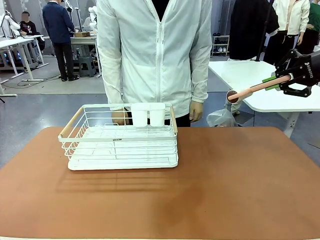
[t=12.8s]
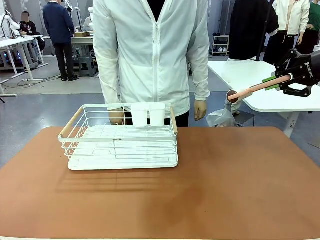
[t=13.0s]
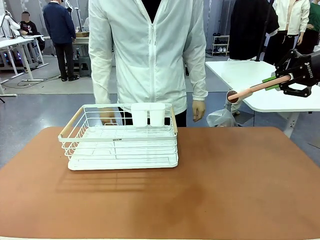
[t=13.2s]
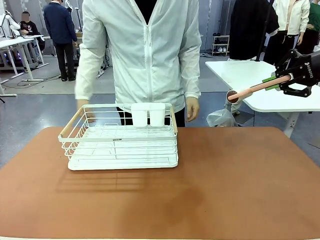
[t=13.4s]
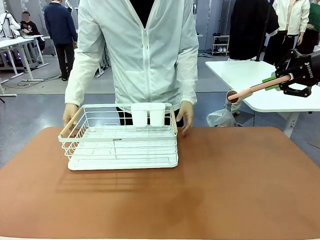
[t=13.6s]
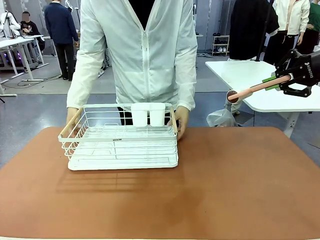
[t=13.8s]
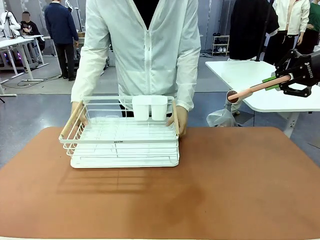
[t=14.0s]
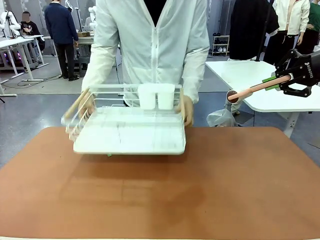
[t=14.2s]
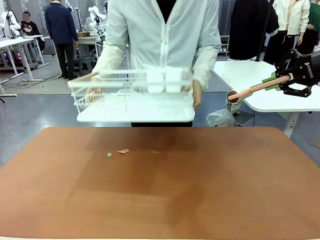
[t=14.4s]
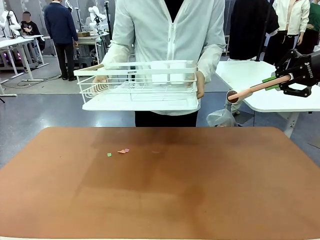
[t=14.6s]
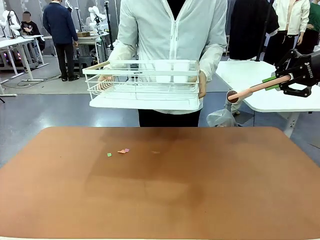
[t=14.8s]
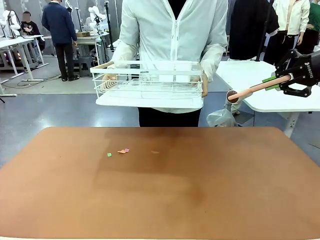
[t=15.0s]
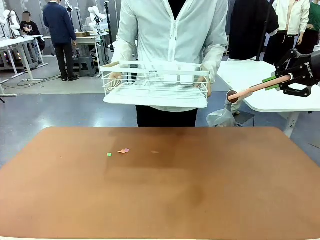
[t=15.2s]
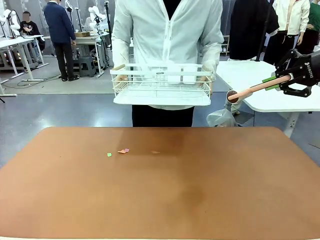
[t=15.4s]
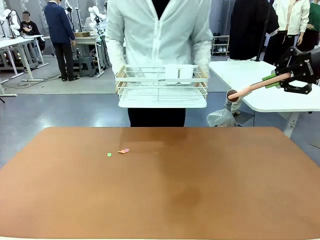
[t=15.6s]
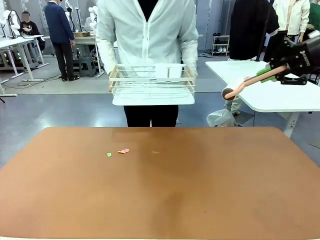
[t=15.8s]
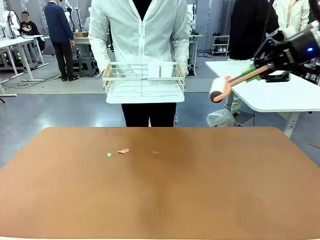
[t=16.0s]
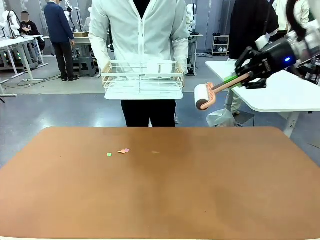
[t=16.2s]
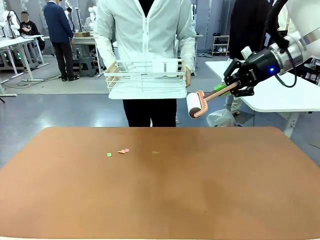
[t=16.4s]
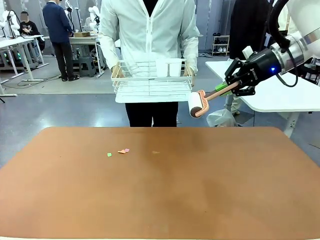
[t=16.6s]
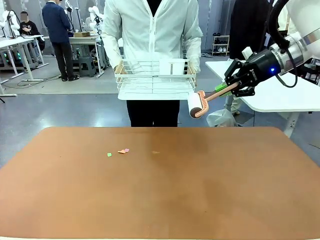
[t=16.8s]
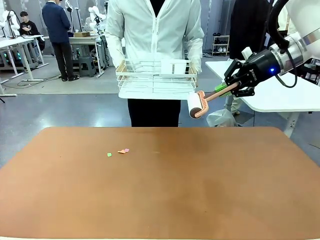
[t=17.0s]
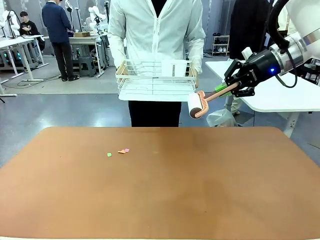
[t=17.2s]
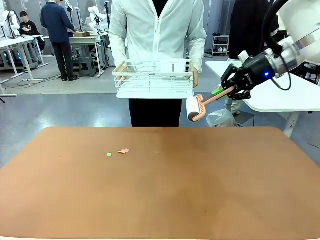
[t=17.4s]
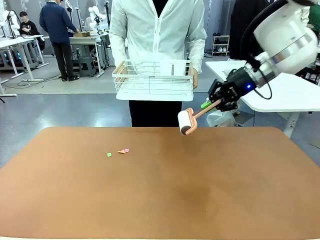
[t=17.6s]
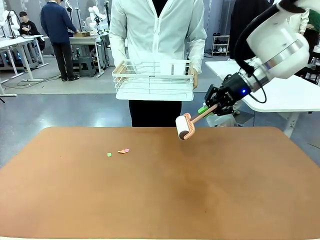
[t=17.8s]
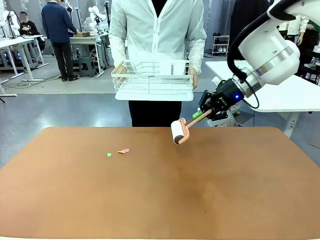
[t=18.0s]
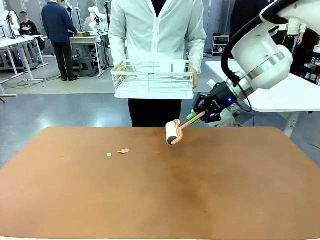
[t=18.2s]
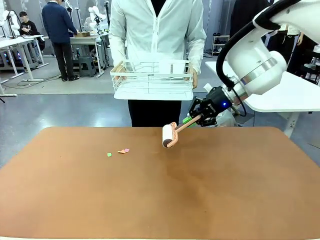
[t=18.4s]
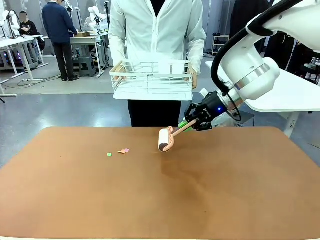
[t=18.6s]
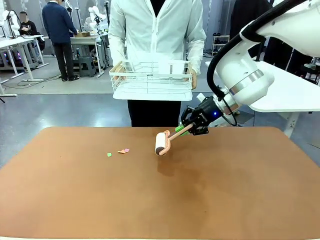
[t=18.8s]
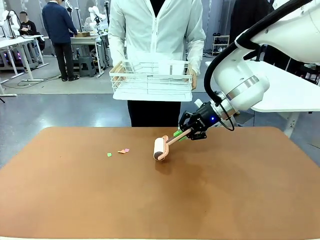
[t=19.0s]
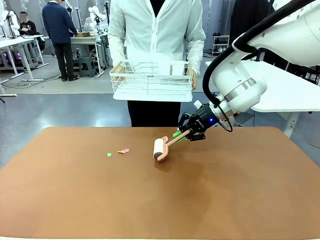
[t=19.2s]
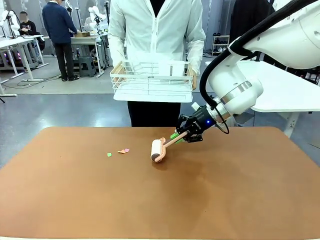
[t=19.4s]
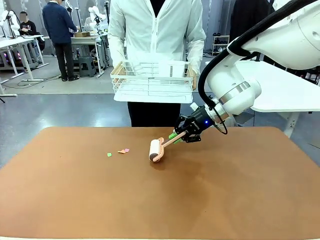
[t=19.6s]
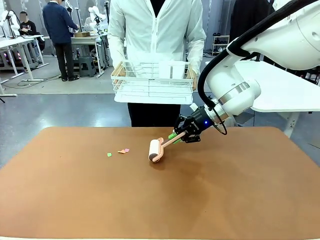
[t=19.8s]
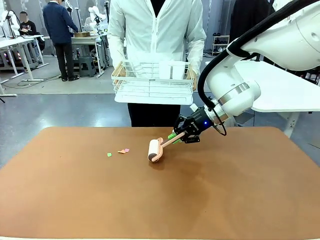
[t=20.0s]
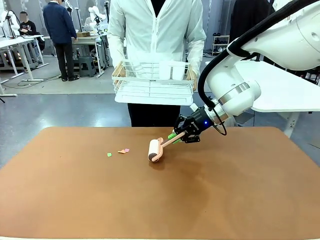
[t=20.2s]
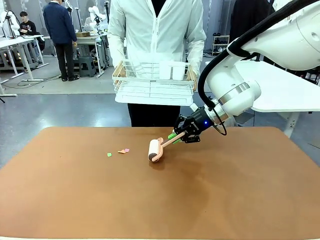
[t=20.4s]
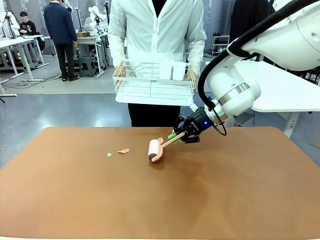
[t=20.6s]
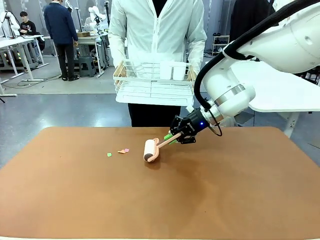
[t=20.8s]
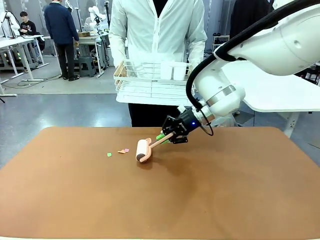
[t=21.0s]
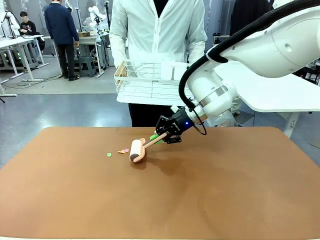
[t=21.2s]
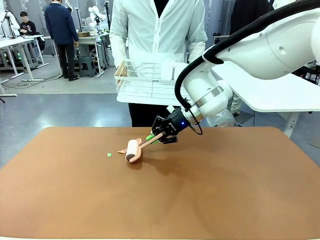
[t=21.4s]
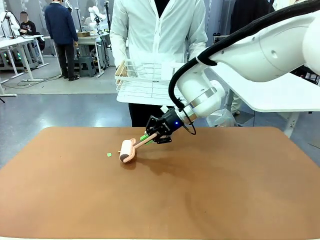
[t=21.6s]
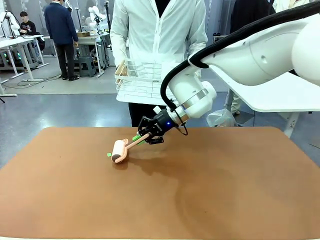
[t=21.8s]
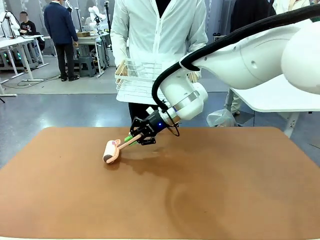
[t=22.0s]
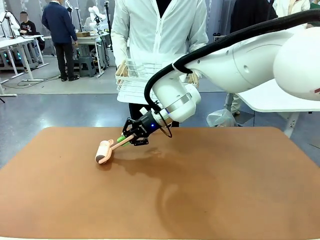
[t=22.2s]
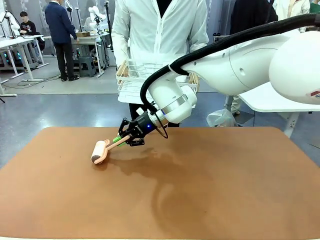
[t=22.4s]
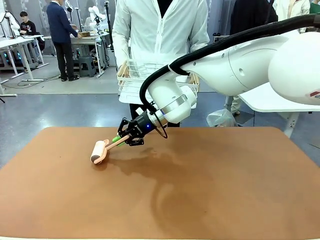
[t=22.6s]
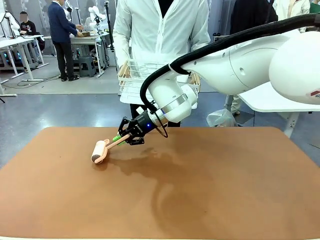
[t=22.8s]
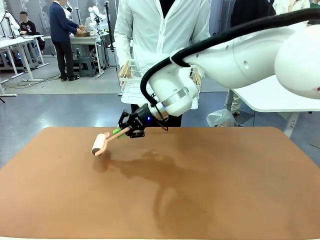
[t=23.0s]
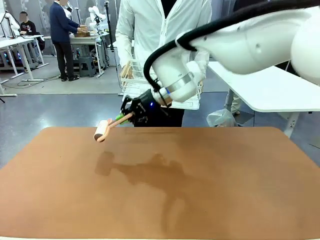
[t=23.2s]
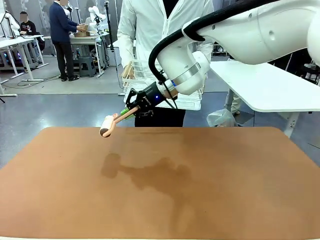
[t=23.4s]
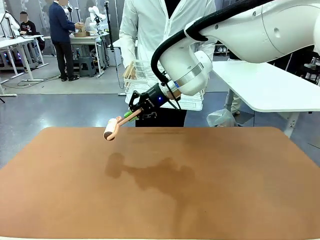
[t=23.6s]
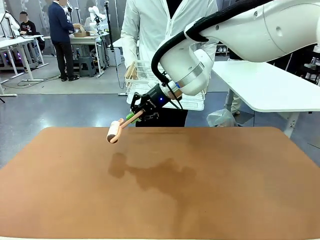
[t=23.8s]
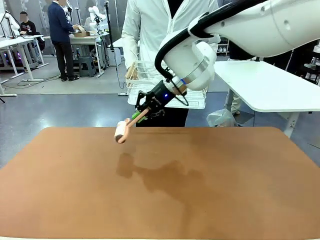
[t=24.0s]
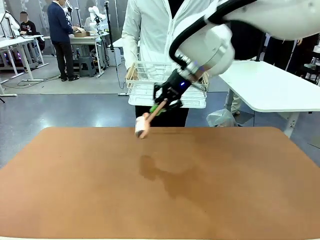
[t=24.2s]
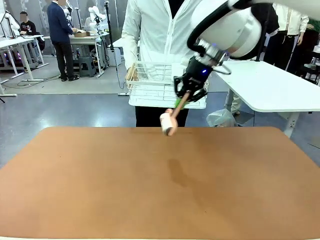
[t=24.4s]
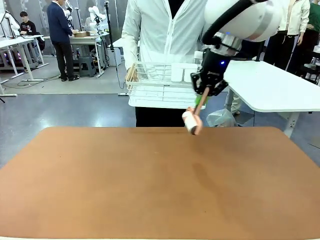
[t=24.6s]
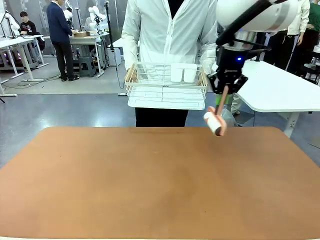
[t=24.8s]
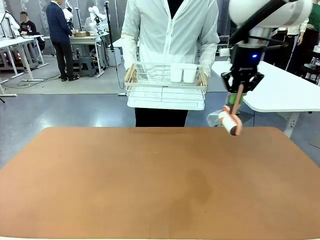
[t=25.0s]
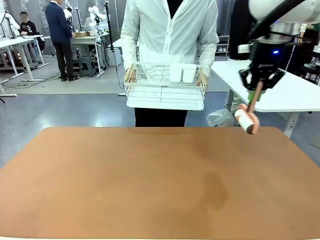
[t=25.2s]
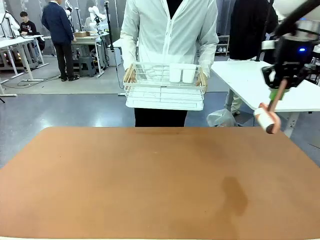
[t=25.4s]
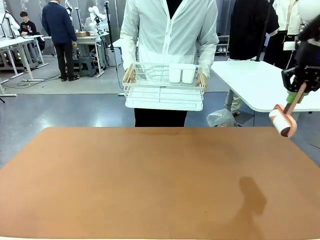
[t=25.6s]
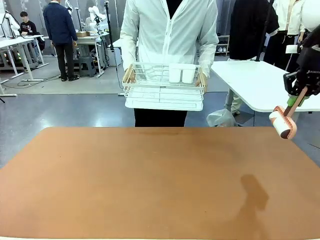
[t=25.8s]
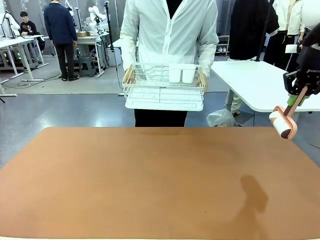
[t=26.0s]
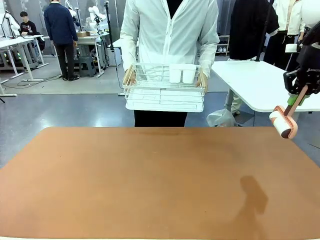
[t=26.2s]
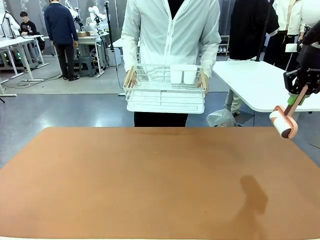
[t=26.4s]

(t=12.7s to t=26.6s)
Task: Clean the table.
Robot: Clean the table with the Lint Roller when the human lifts the Dish drying rack.
Person: Place the Dish drying rack down when the robot finishes cleaning.

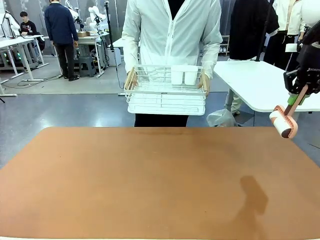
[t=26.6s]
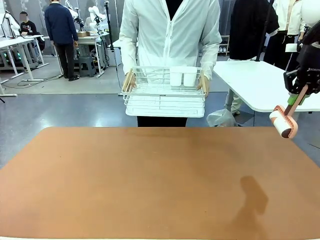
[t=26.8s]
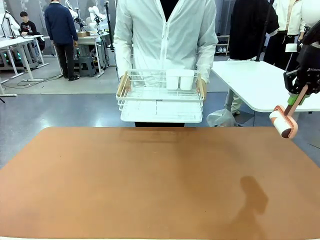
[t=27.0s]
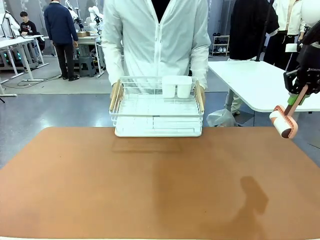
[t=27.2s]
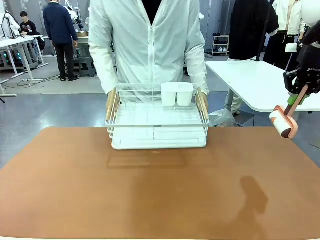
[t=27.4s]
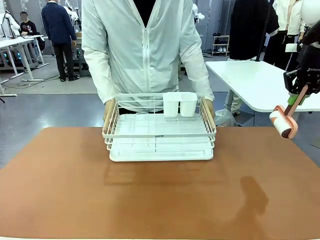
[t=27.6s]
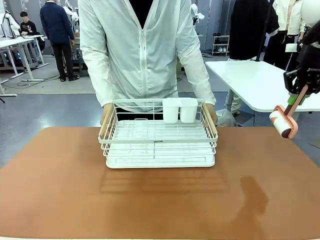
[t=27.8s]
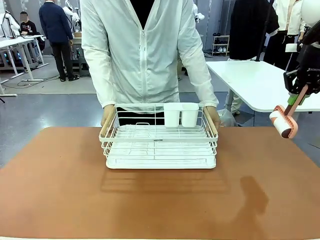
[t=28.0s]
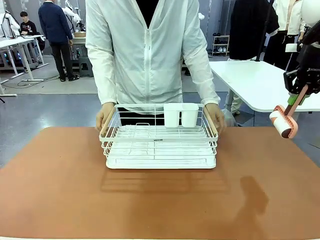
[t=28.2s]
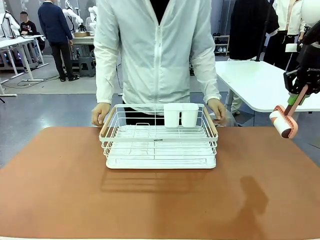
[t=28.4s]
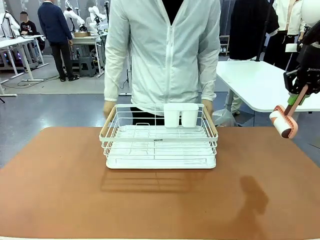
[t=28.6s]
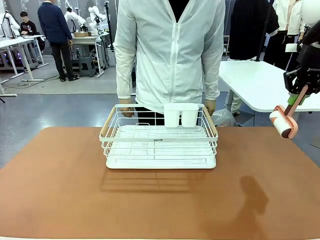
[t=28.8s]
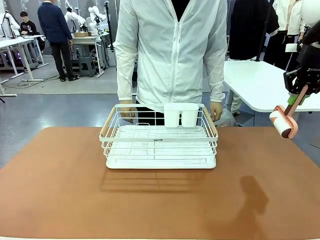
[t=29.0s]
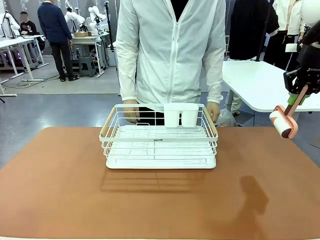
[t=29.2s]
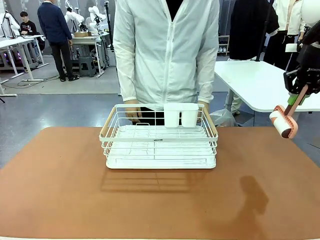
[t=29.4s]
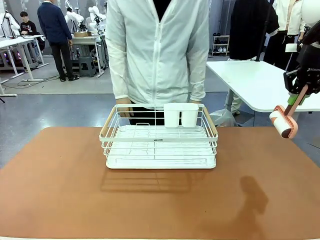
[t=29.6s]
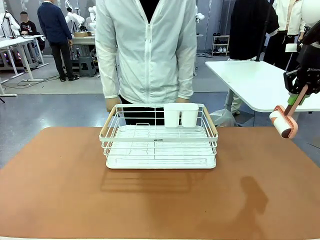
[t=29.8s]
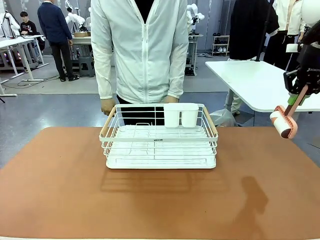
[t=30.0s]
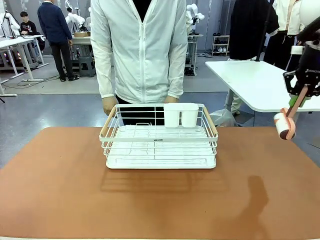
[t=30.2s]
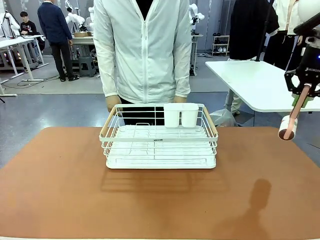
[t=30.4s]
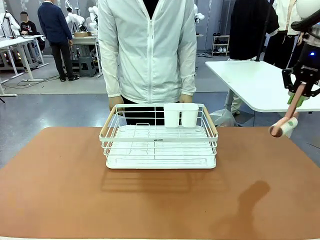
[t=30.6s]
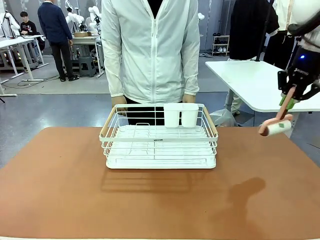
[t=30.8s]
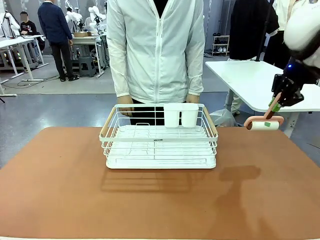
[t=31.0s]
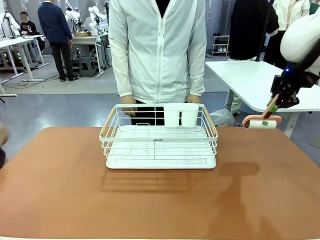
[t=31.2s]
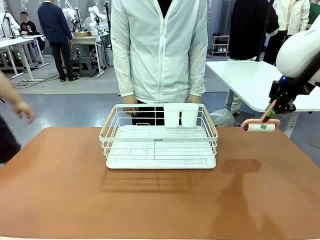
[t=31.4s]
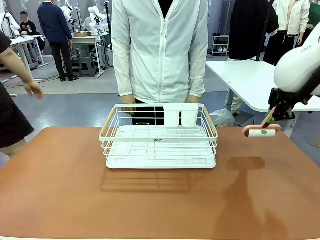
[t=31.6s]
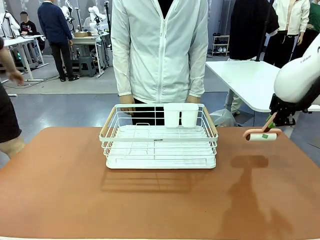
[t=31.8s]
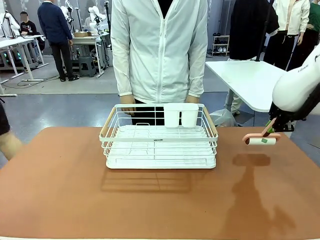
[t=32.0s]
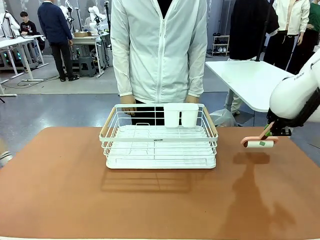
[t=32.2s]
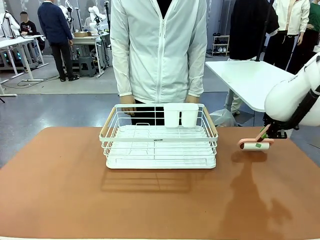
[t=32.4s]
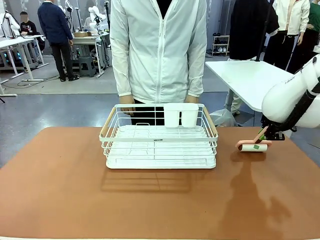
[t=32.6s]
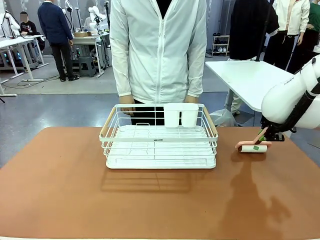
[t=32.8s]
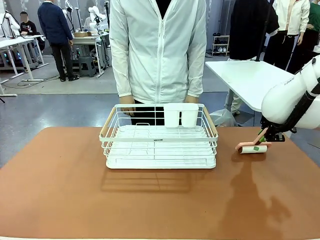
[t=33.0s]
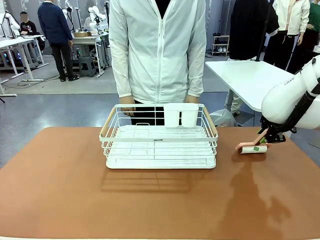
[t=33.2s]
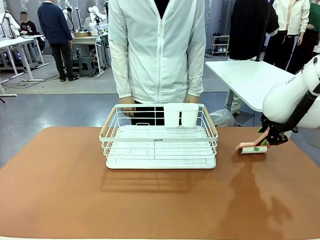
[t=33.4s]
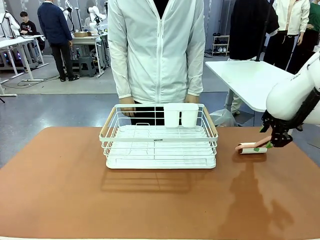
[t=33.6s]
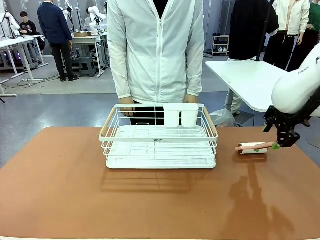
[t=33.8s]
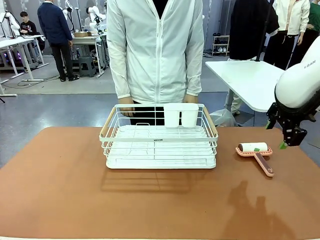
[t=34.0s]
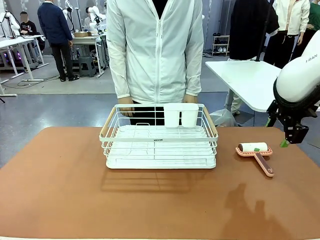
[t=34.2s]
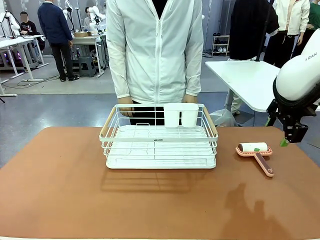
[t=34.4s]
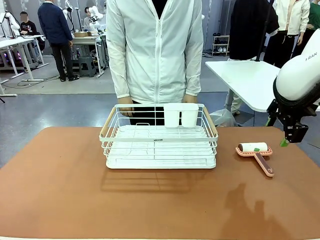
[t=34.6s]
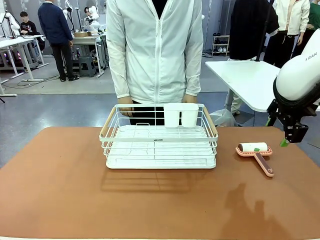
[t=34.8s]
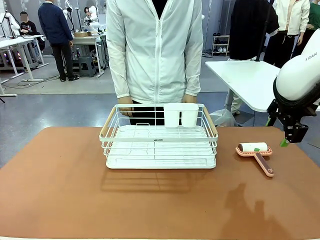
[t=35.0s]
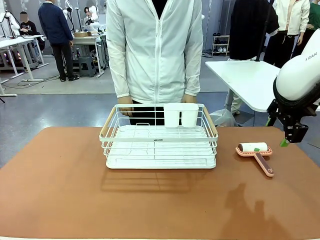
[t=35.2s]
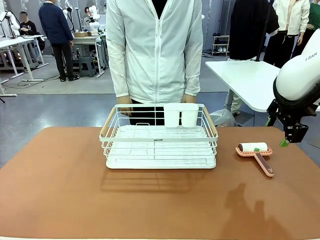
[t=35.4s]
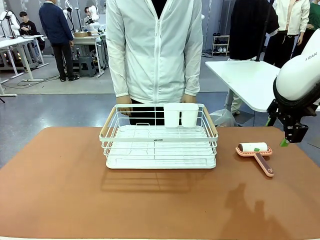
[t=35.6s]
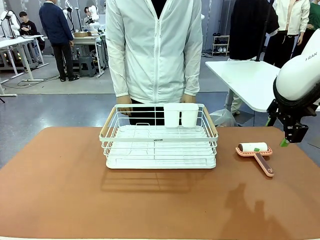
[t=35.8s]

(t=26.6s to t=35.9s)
Robot: Place the Lint Roller down when the Dish drying rack is positioned in the middle of the table.
